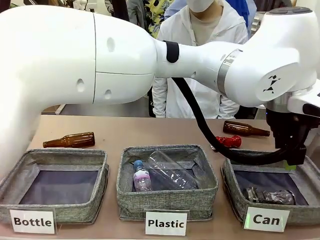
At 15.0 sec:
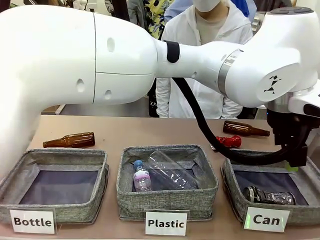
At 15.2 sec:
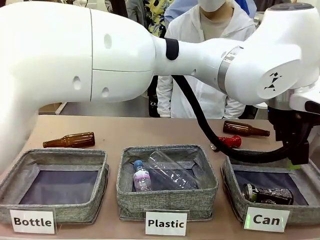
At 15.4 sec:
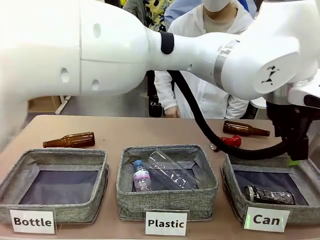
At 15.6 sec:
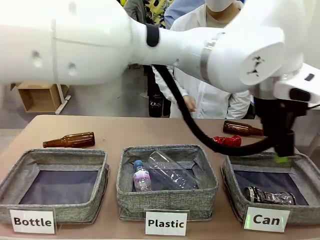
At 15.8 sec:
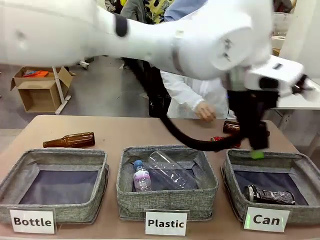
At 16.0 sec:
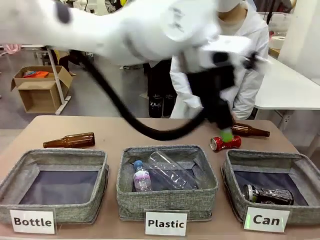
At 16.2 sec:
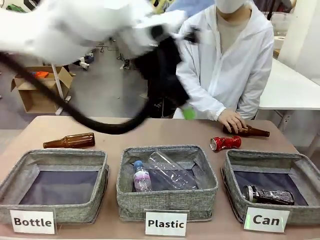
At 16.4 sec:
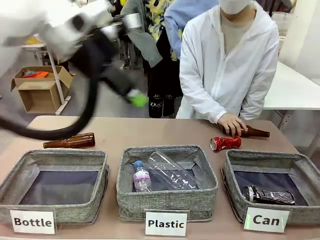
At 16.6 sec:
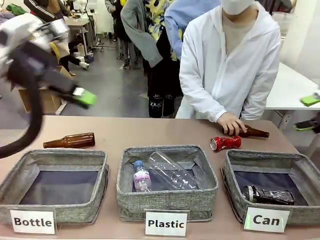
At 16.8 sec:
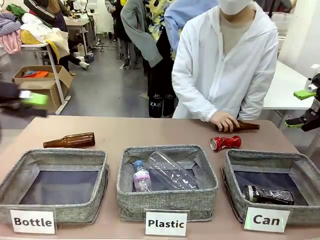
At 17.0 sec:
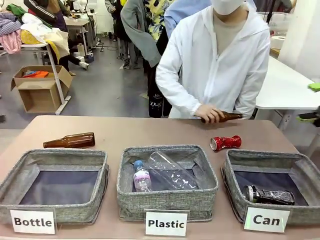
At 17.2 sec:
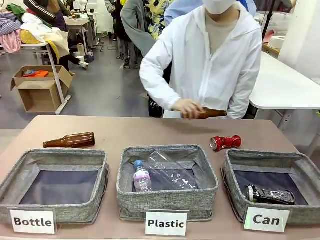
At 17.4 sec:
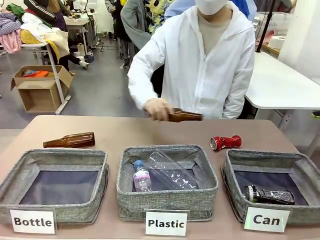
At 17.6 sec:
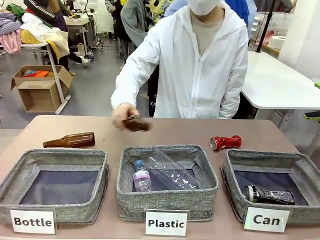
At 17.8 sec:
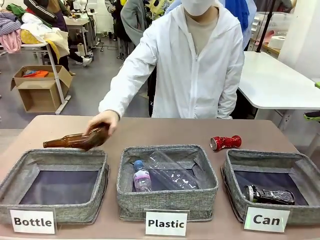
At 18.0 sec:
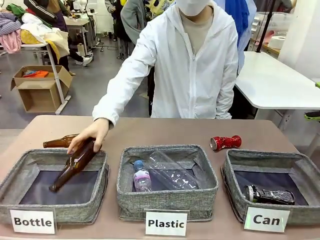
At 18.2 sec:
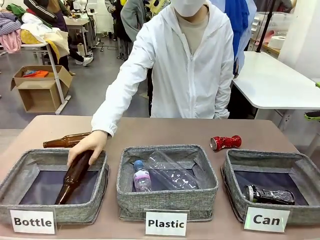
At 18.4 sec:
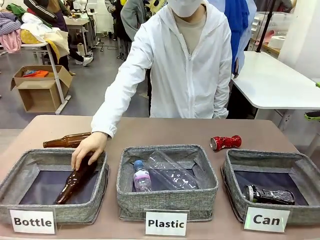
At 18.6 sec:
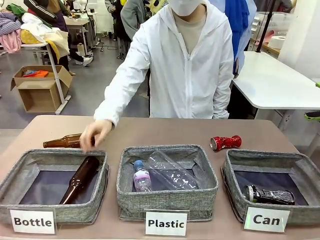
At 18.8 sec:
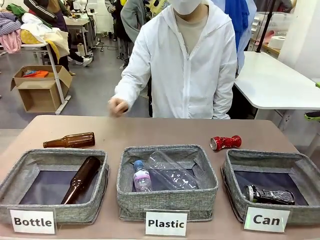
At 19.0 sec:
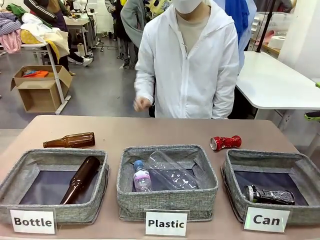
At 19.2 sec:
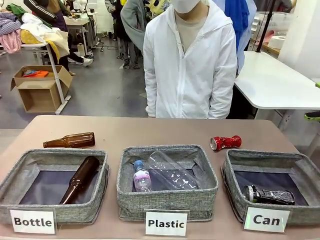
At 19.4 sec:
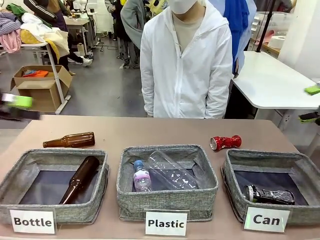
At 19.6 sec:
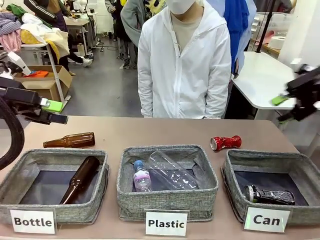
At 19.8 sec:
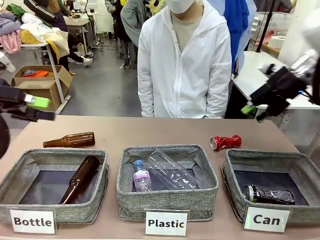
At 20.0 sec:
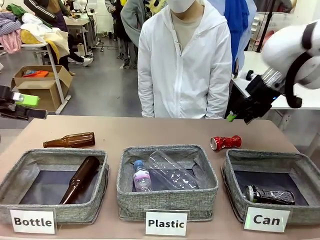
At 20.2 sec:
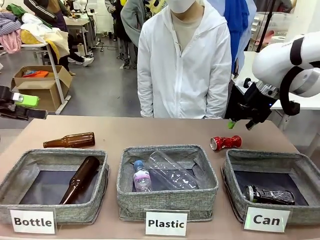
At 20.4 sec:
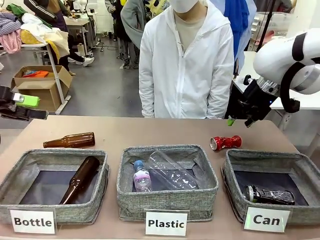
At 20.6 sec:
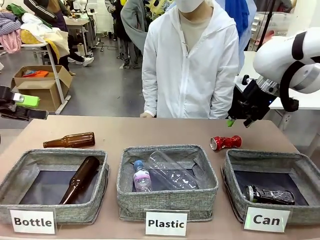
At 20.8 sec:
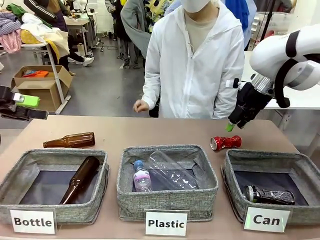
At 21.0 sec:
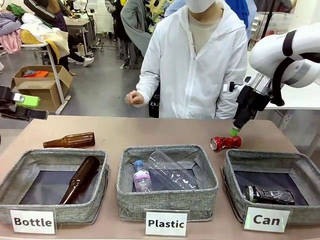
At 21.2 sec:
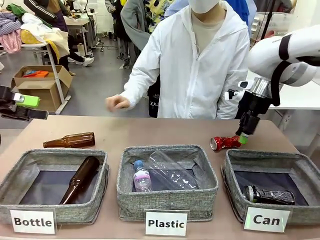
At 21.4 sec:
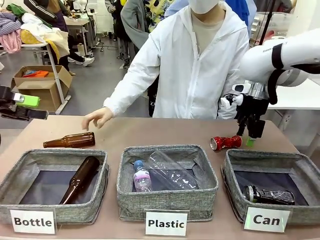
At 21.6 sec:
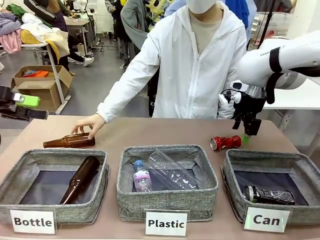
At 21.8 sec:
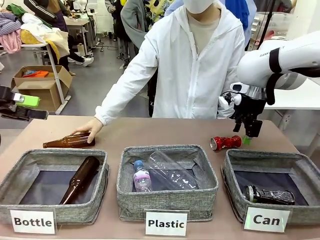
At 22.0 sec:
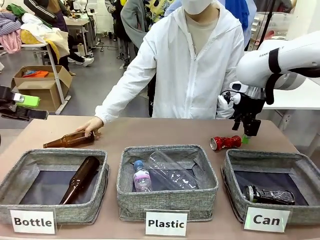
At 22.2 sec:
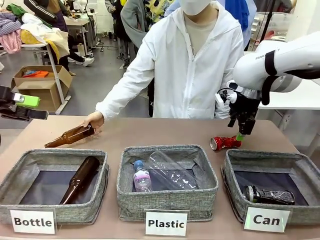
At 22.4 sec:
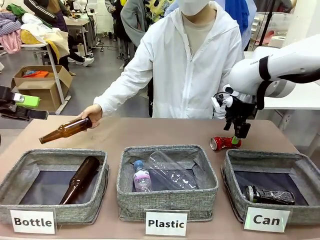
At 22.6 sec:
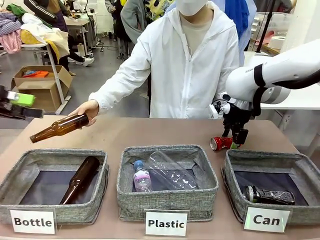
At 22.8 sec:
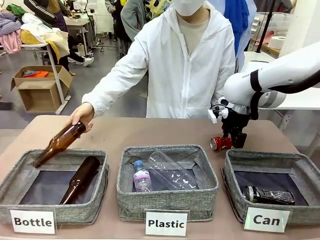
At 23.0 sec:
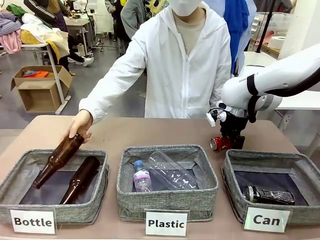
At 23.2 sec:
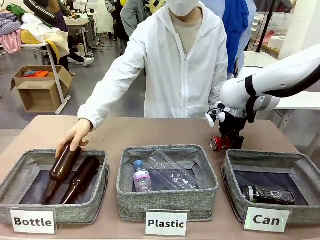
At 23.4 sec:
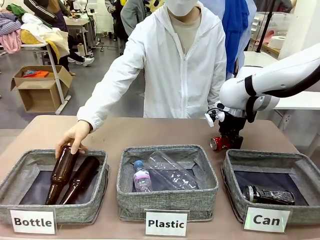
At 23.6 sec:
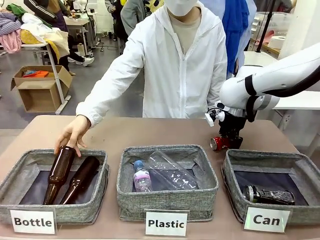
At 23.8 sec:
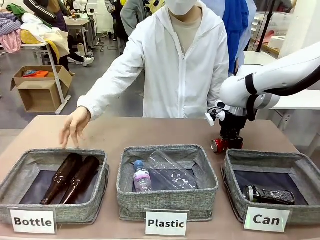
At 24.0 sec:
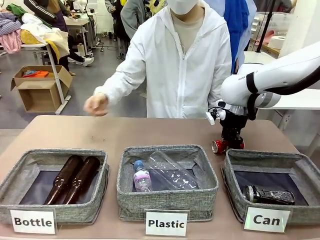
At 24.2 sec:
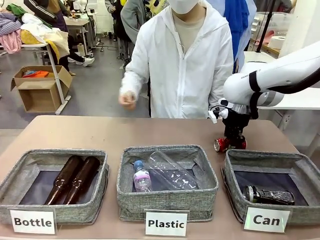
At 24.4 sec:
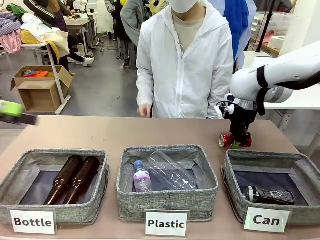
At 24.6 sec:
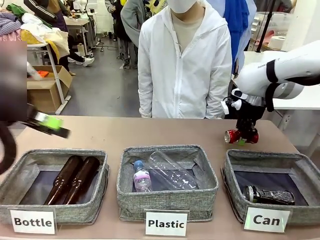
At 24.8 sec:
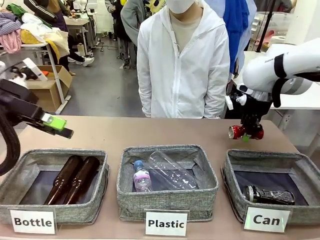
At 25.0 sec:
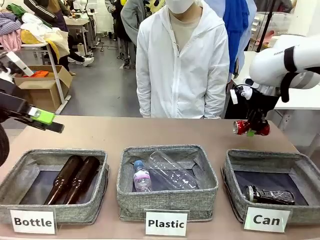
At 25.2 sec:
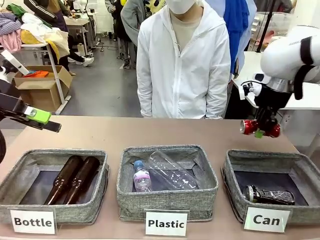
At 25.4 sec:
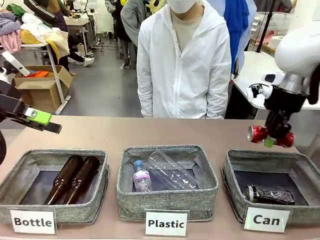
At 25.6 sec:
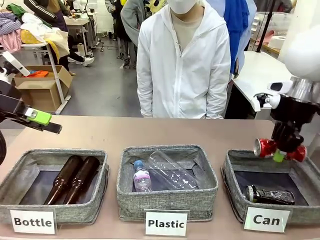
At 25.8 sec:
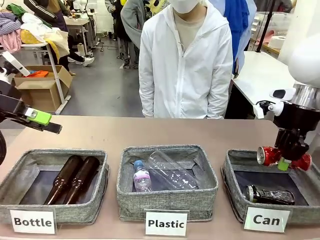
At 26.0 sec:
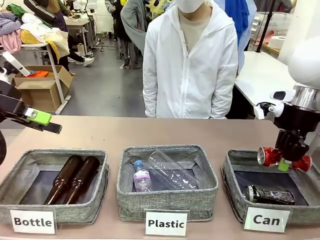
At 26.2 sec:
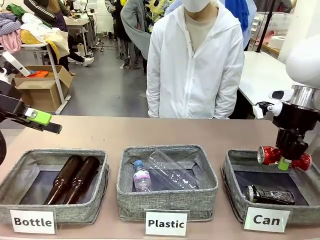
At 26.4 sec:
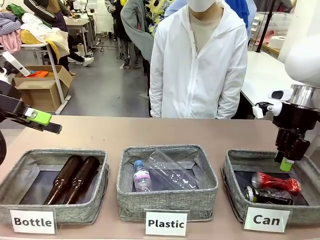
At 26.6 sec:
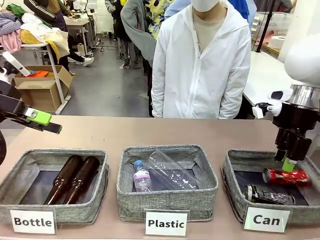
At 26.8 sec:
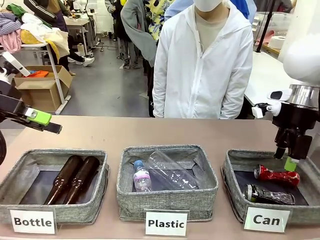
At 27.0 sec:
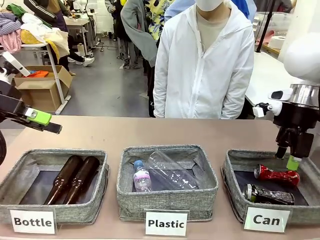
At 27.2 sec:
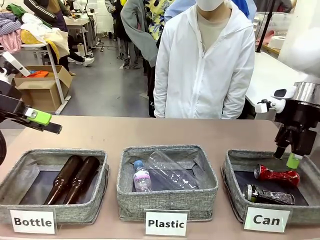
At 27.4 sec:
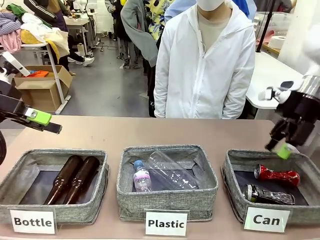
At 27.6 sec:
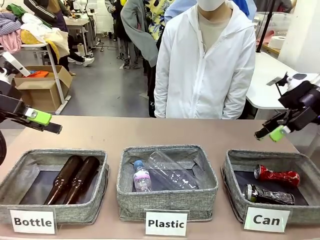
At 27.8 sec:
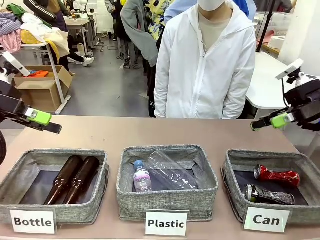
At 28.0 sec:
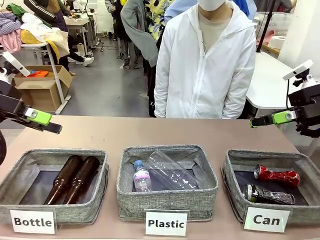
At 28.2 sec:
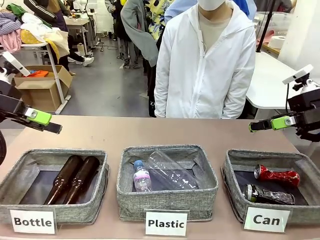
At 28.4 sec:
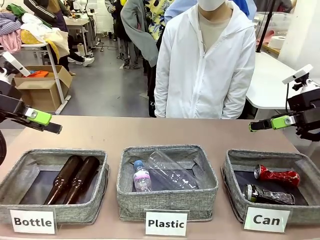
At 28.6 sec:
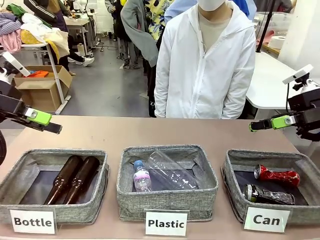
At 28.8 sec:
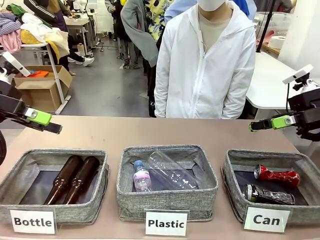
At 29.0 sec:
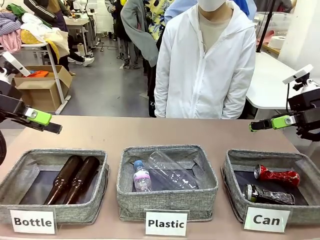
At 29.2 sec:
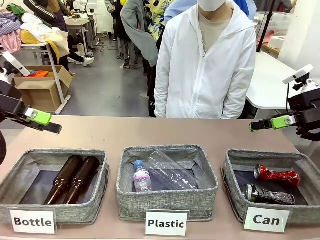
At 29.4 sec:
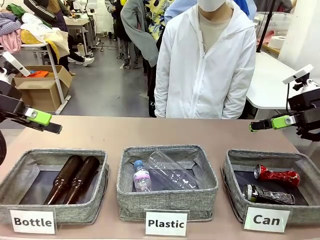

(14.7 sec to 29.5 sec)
Task: Sort the can waste into the basket.
Robot: Pick up the can waste from the table and place it in the right Fabric basket.
Person: The human picks up one piece of trash that is not a can and places the trash into the appropriate organizing basket.
